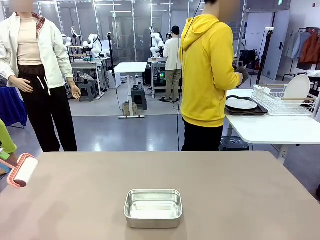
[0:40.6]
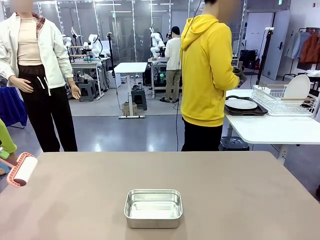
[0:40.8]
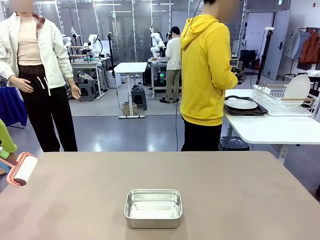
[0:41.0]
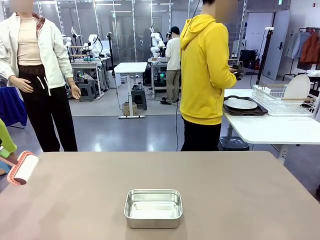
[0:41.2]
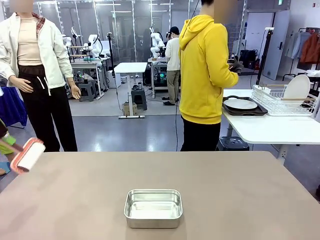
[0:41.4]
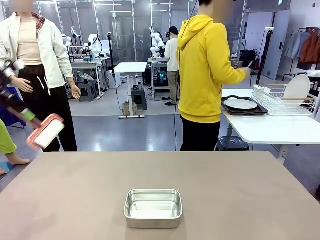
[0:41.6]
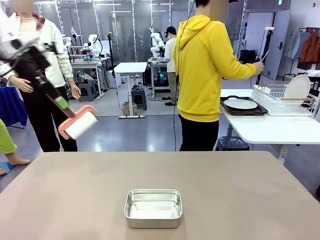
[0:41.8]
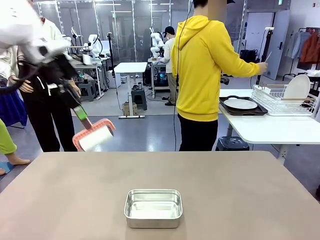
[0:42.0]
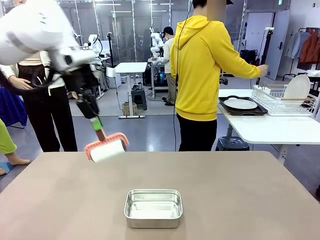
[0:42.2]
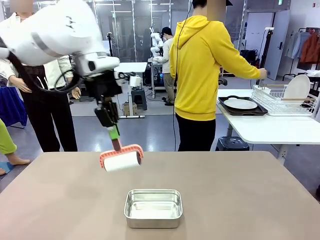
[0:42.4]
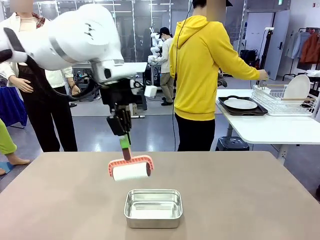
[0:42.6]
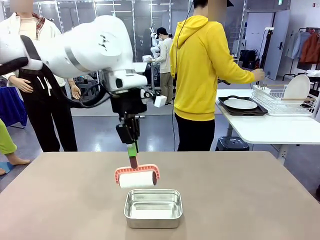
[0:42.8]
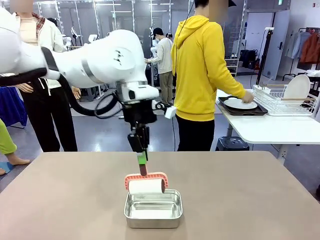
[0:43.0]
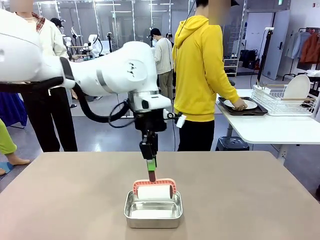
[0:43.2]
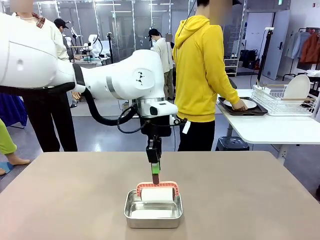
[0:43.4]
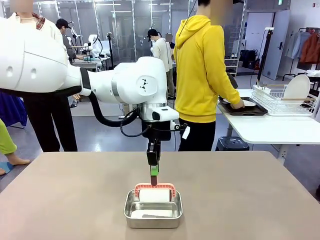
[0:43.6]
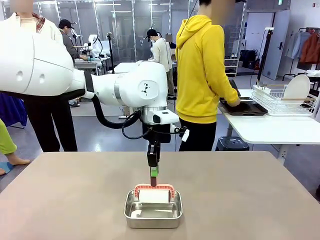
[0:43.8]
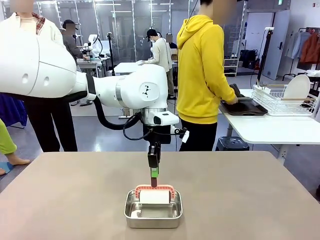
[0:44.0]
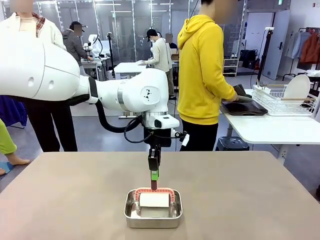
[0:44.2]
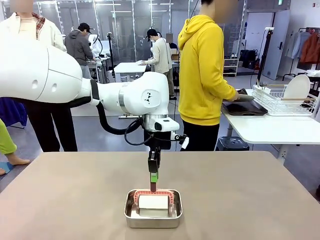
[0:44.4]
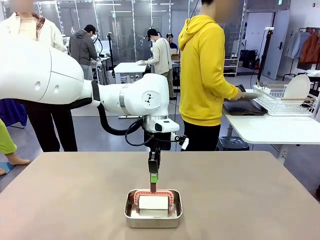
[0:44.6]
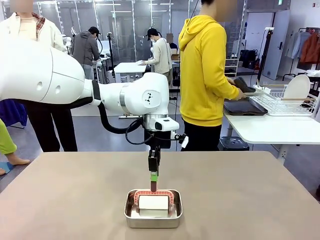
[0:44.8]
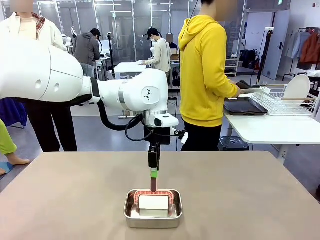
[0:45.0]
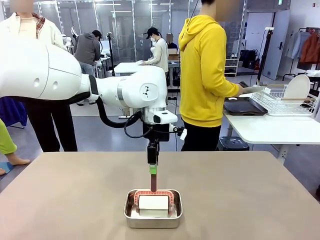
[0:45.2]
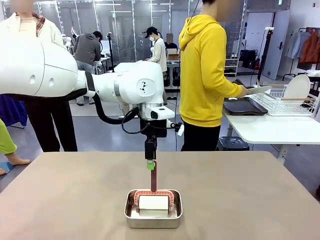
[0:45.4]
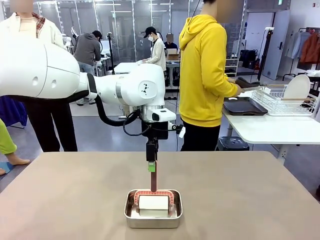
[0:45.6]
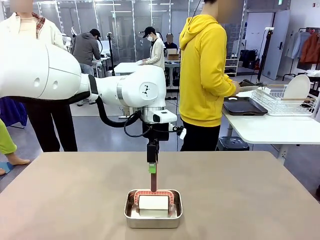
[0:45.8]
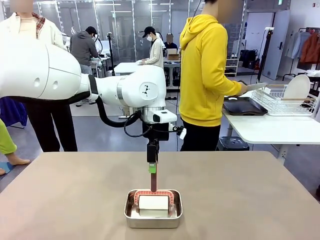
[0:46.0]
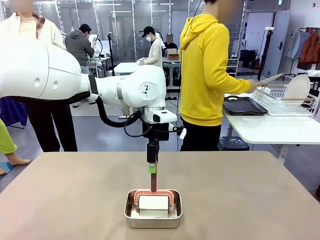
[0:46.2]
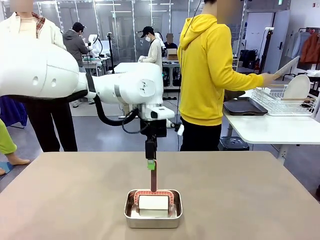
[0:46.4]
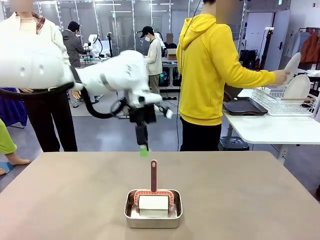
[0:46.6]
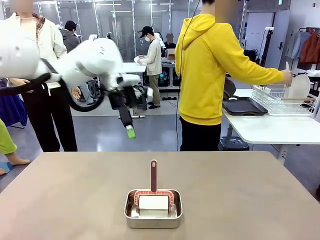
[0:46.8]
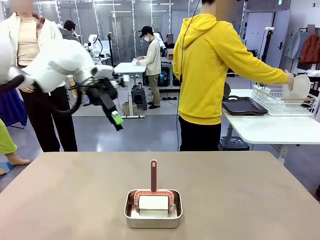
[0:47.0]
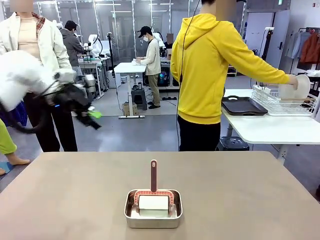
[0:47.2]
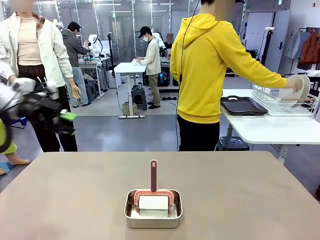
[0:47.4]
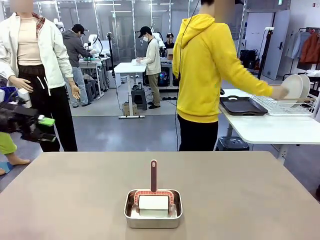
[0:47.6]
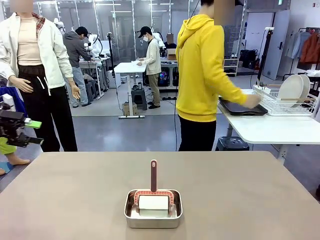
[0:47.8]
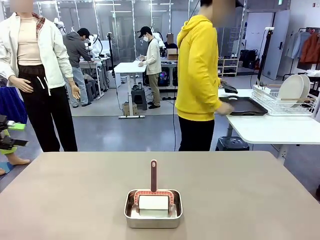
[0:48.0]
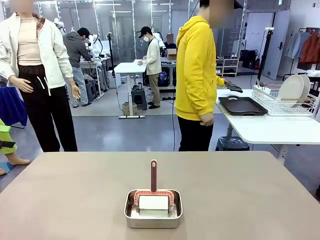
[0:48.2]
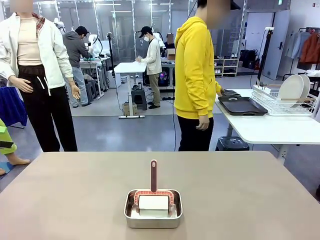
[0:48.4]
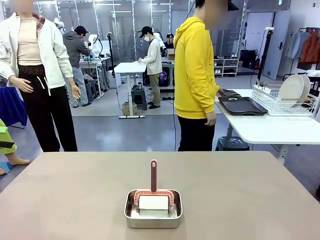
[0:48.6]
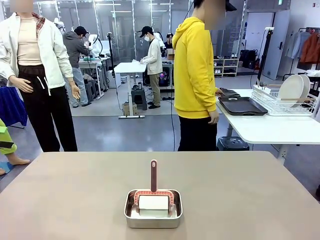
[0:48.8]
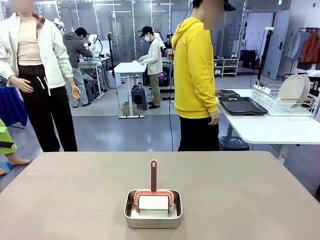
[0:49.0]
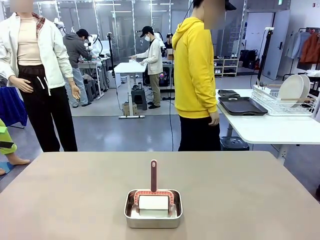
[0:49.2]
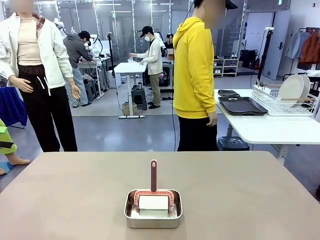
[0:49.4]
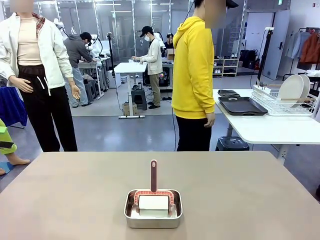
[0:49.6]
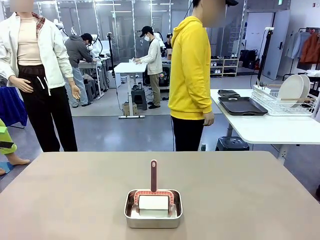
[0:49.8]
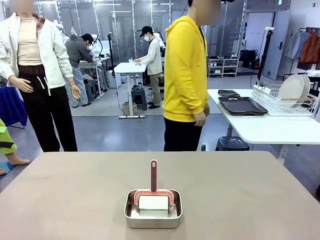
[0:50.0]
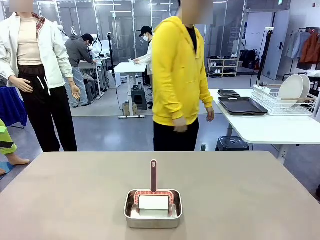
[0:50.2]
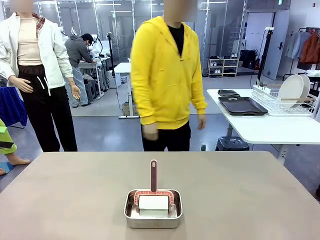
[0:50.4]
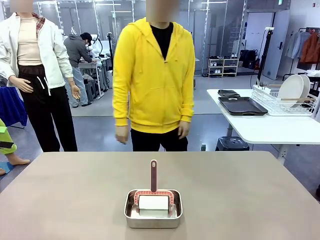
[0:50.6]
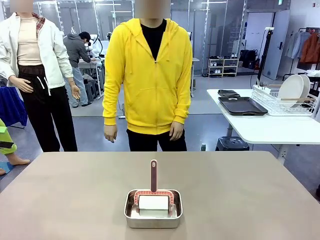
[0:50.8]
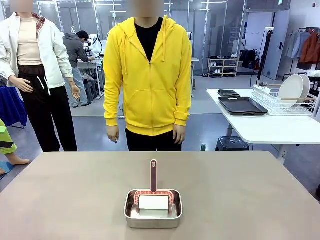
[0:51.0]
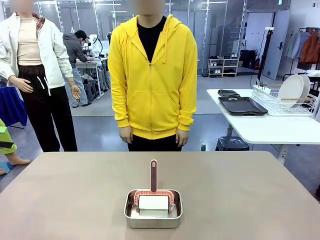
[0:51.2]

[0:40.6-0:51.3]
Robot: Place the Lint Roller back on top of the Airtight Container.
Person: Use the Towel with hook to wipe the Plastic Matte Plate , Fork , and Knife and place into the Dish drying rack.

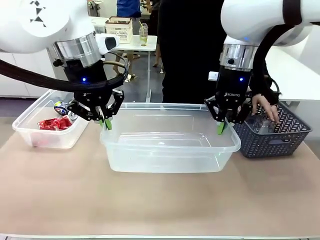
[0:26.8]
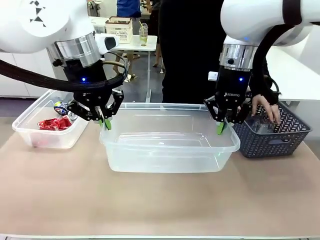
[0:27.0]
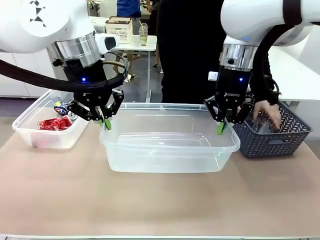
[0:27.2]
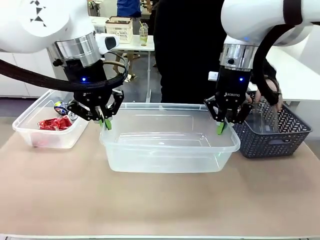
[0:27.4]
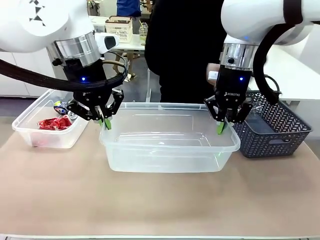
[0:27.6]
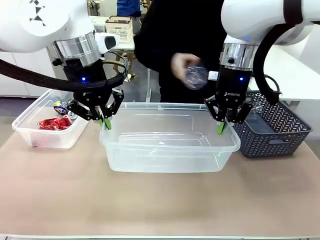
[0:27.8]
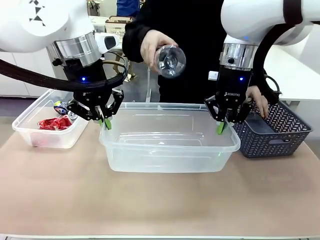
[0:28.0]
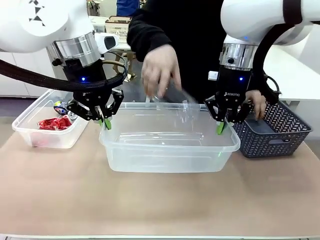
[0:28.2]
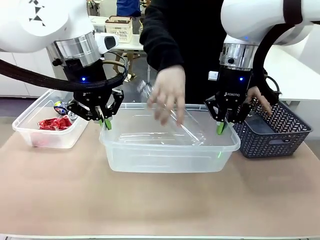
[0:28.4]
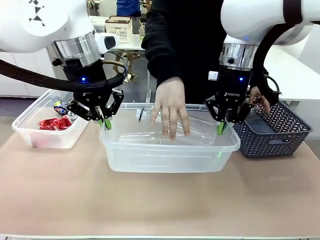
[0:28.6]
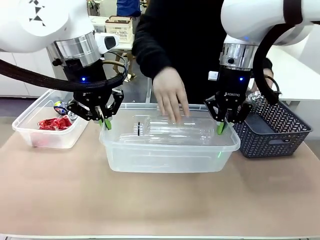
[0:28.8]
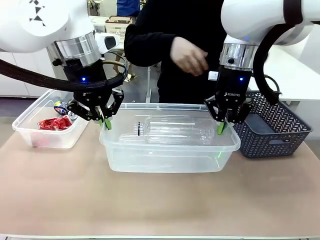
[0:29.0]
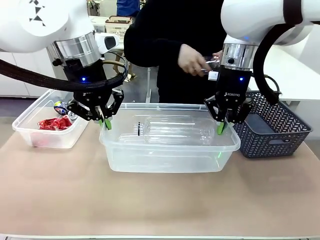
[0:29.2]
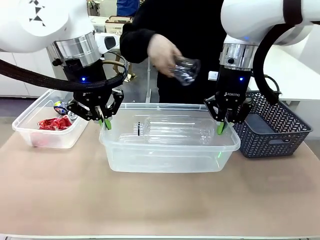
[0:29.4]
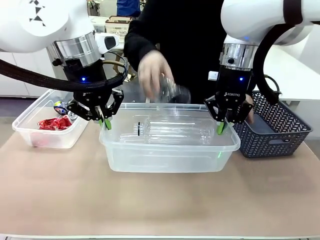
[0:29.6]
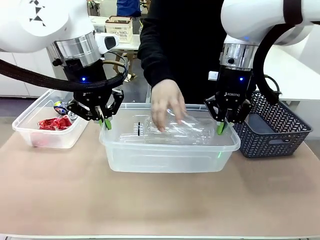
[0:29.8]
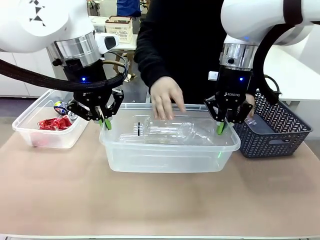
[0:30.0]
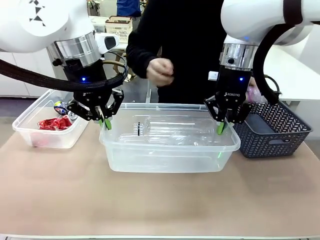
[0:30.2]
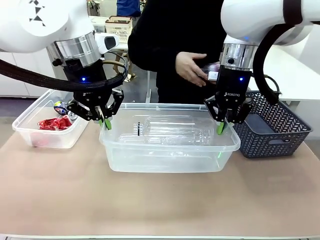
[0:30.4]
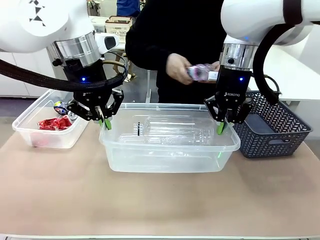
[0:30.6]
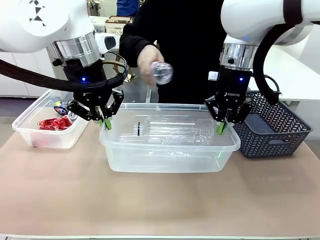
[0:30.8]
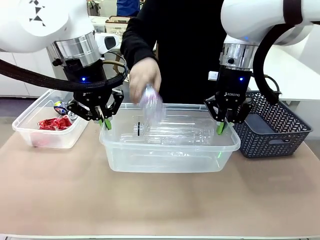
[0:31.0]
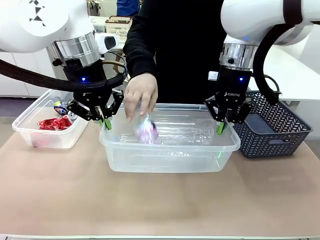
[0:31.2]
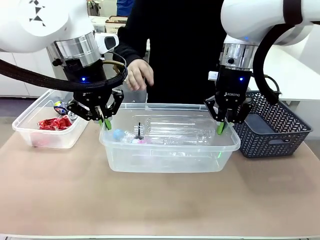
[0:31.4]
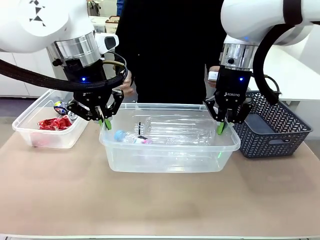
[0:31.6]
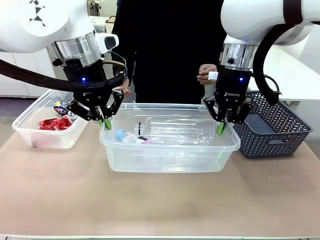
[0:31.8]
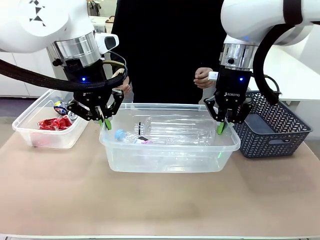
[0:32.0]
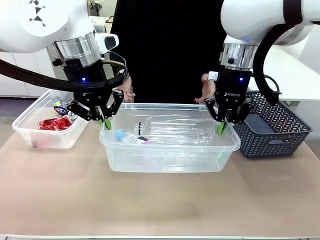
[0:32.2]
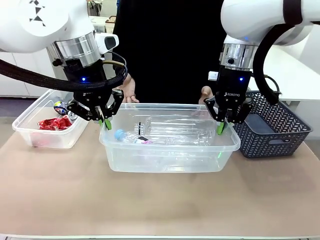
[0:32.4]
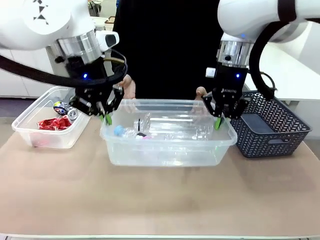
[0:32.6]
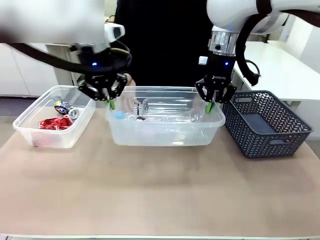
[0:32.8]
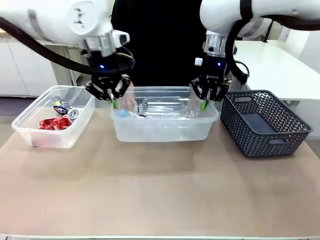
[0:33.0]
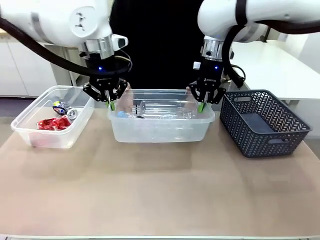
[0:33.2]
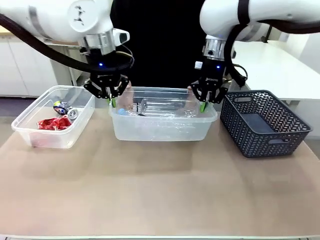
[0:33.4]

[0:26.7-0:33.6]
Robot: Offer the picked Organizing box to the human.
Person: Pick up plastic waste one by one and place it into the organizing box lifted by the robot.

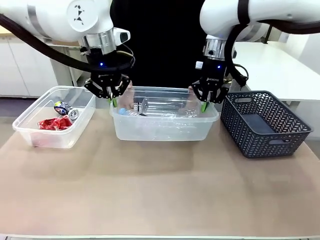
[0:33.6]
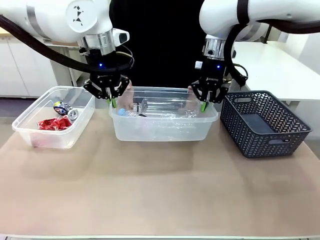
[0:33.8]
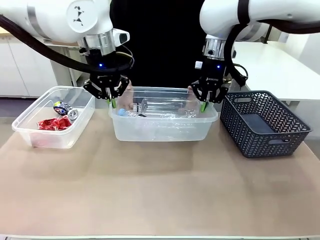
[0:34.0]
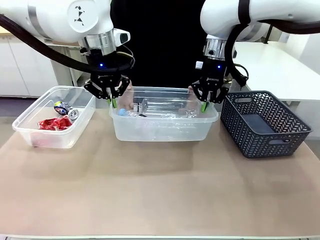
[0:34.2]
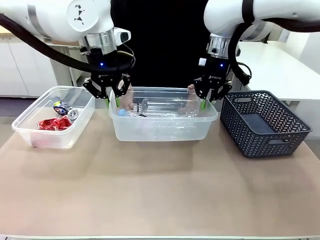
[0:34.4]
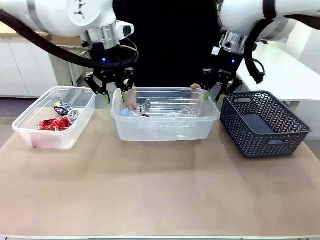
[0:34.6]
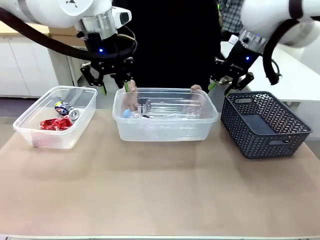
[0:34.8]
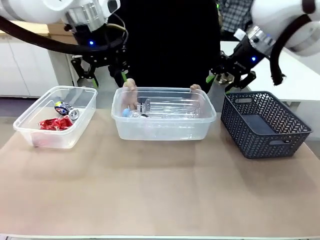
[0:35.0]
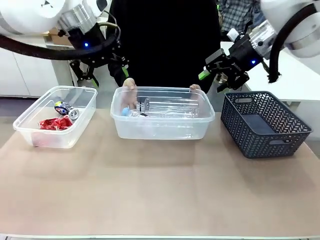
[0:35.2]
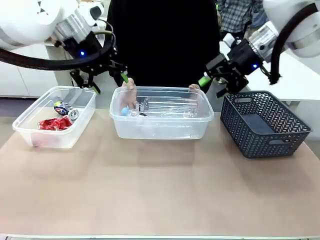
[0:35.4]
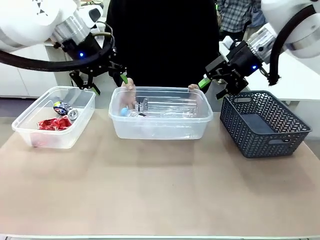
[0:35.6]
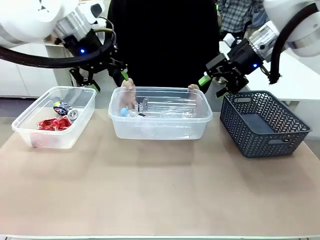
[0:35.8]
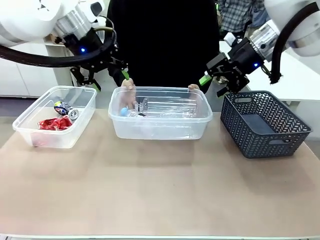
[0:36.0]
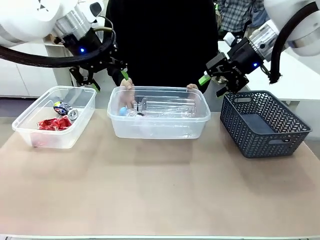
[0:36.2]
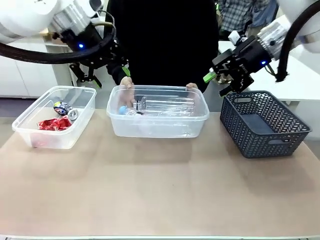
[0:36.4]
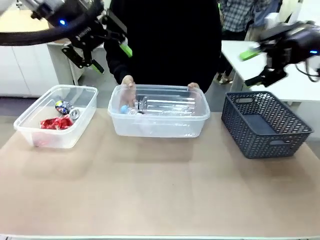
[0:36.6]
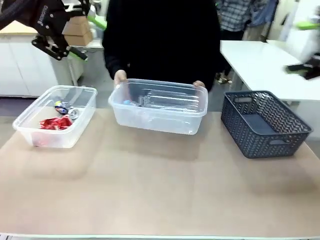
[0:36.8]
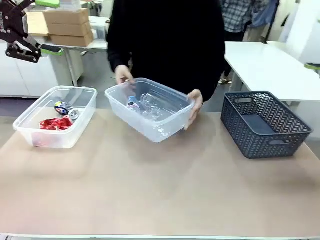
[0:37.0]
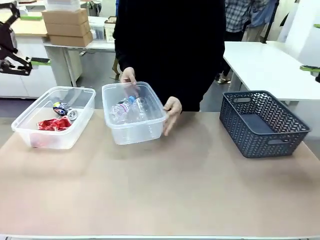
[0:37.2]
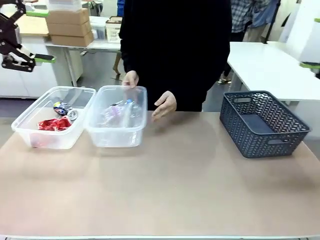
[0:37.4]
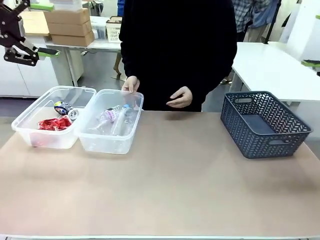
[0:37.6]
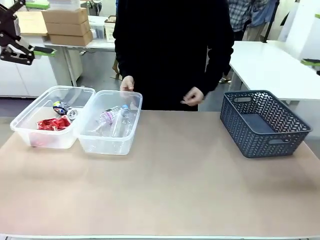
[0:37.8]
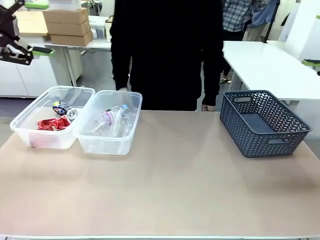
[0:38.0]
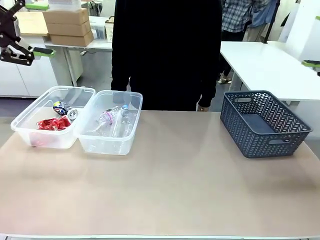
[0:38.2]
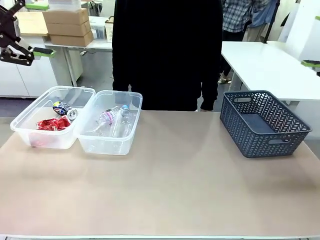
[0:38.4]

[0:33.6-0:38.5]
Robot: Release the Organizing box you were holding.
Person: Pick up the organizing box extended by the robot. Place the organizing box to the left of the sorting box containing the can waste.
